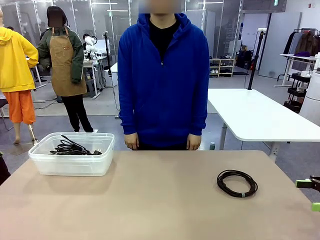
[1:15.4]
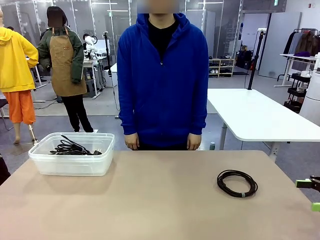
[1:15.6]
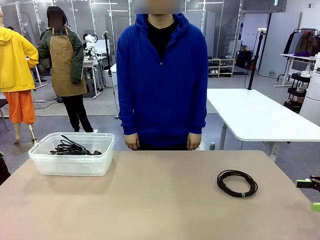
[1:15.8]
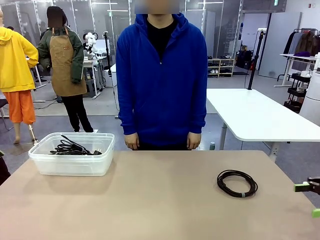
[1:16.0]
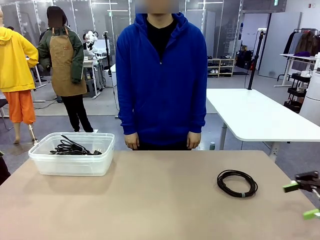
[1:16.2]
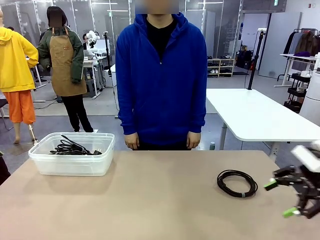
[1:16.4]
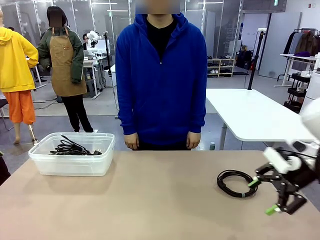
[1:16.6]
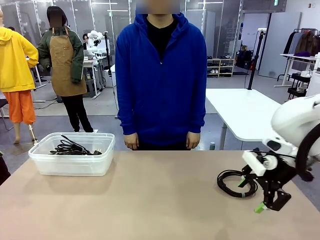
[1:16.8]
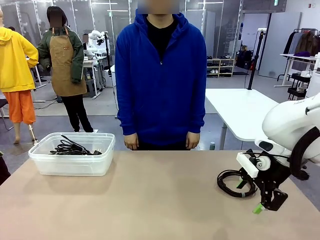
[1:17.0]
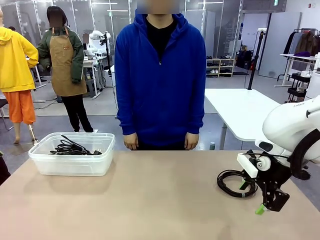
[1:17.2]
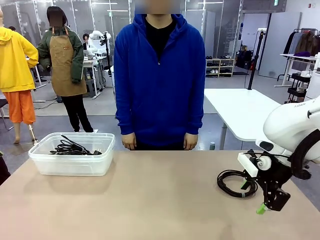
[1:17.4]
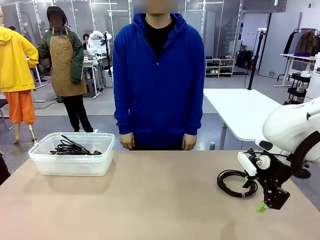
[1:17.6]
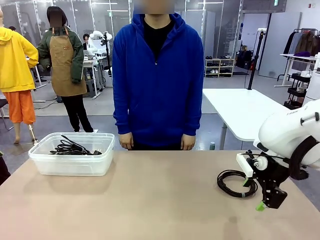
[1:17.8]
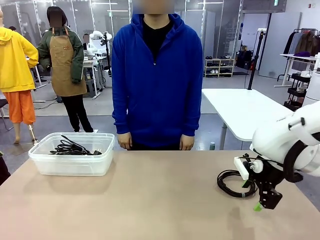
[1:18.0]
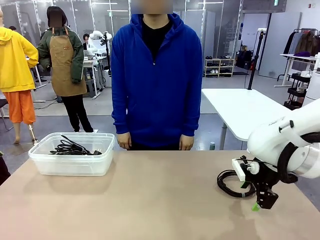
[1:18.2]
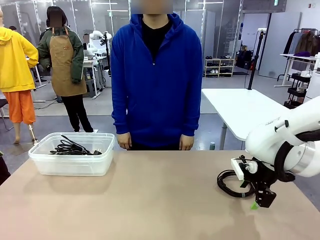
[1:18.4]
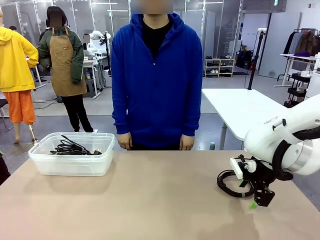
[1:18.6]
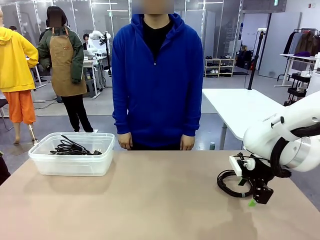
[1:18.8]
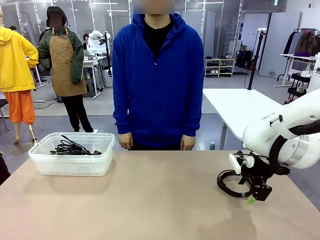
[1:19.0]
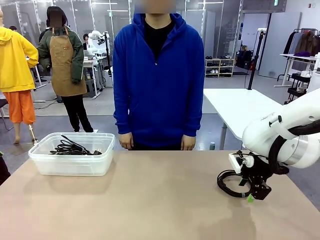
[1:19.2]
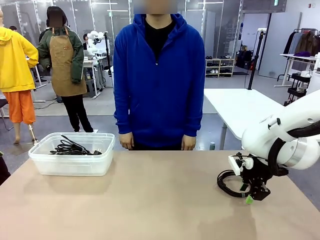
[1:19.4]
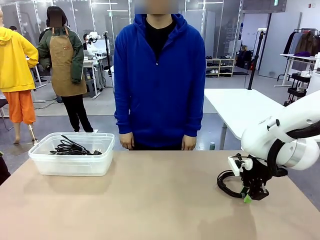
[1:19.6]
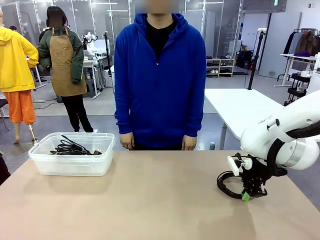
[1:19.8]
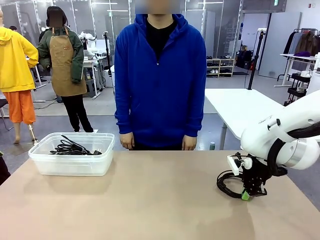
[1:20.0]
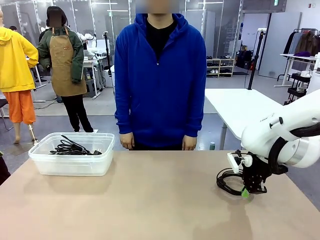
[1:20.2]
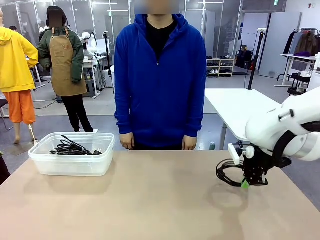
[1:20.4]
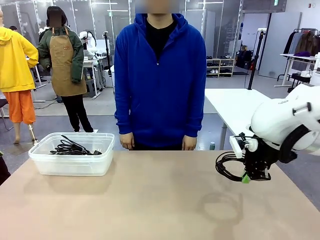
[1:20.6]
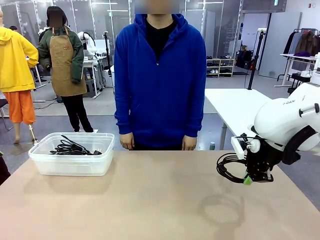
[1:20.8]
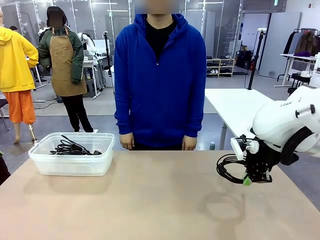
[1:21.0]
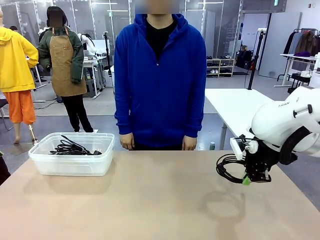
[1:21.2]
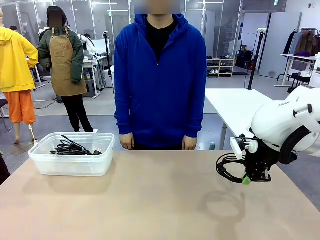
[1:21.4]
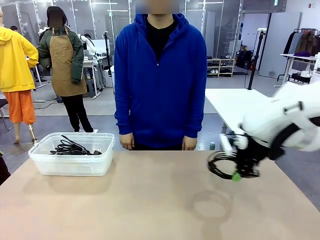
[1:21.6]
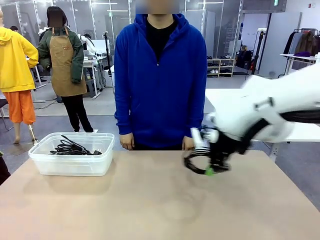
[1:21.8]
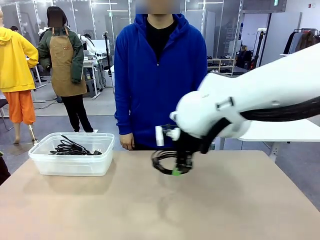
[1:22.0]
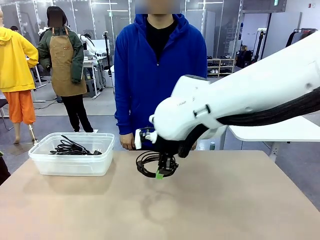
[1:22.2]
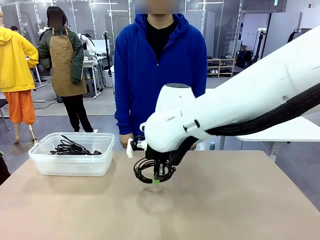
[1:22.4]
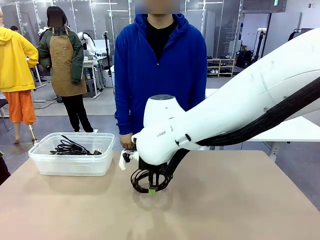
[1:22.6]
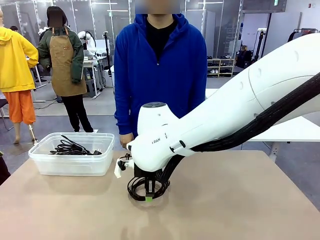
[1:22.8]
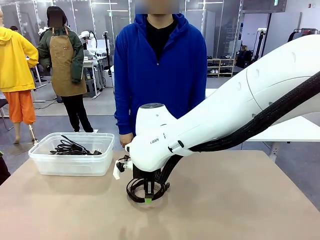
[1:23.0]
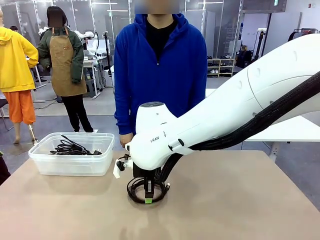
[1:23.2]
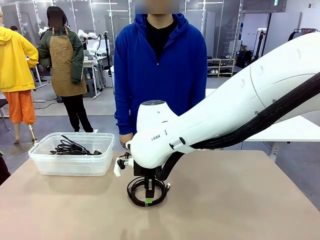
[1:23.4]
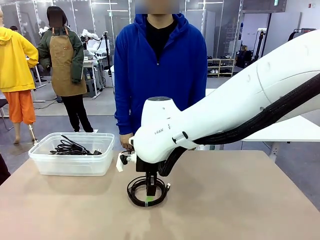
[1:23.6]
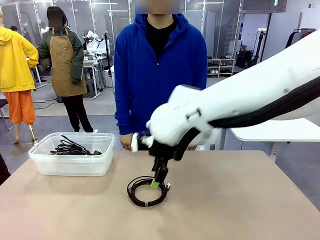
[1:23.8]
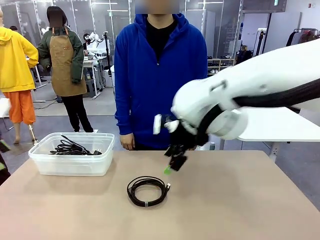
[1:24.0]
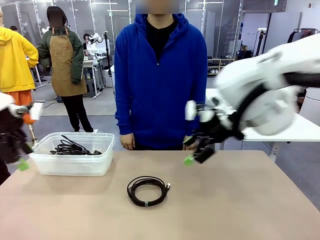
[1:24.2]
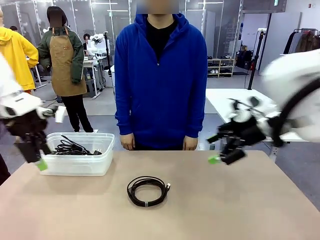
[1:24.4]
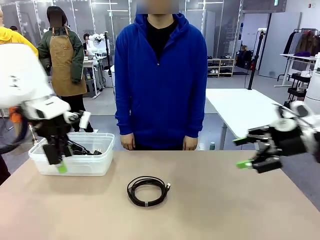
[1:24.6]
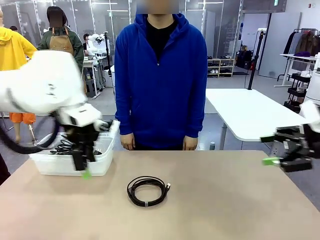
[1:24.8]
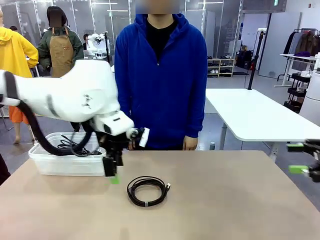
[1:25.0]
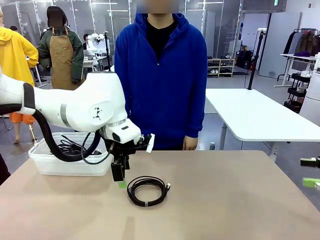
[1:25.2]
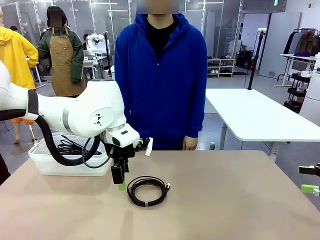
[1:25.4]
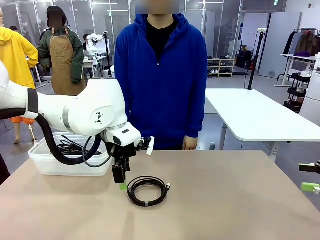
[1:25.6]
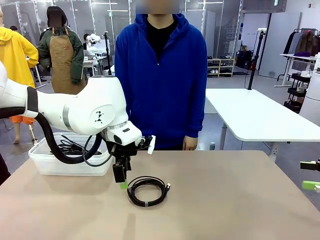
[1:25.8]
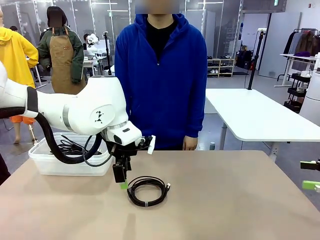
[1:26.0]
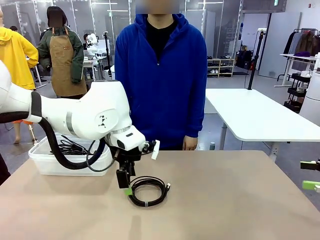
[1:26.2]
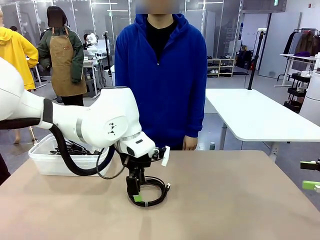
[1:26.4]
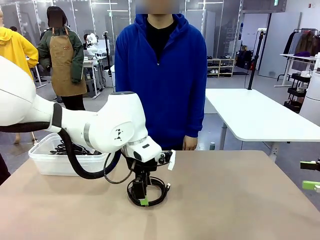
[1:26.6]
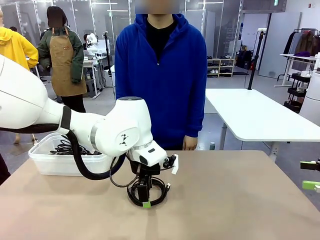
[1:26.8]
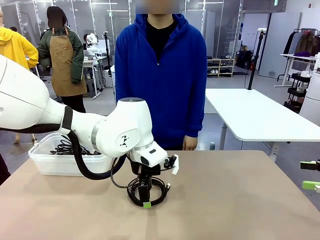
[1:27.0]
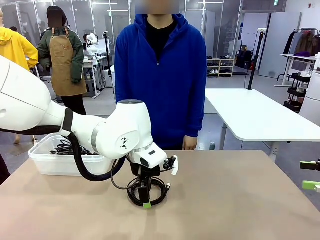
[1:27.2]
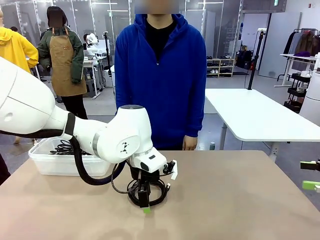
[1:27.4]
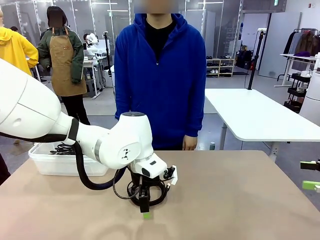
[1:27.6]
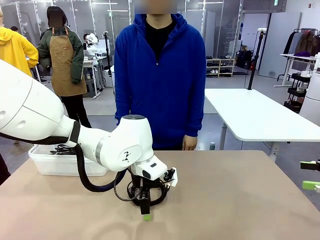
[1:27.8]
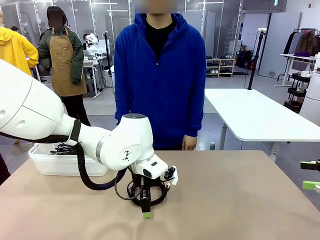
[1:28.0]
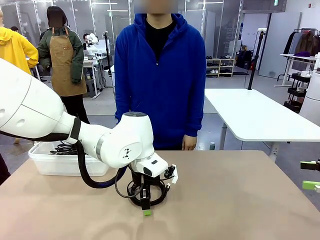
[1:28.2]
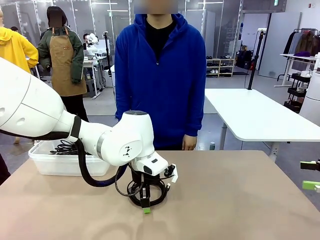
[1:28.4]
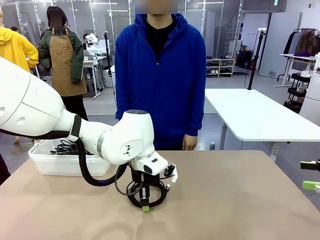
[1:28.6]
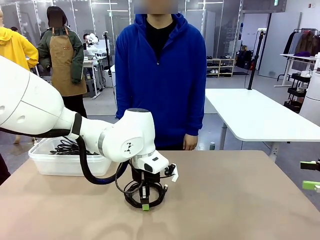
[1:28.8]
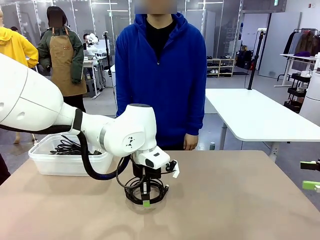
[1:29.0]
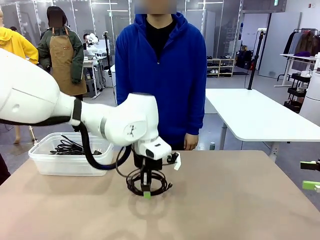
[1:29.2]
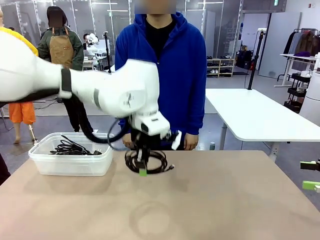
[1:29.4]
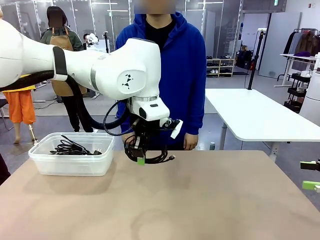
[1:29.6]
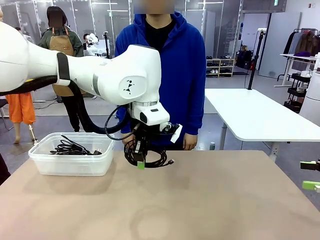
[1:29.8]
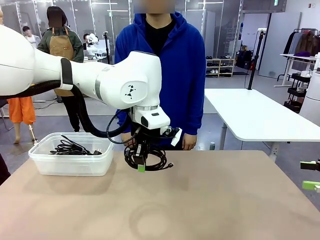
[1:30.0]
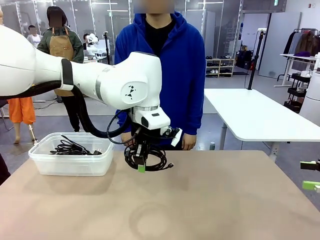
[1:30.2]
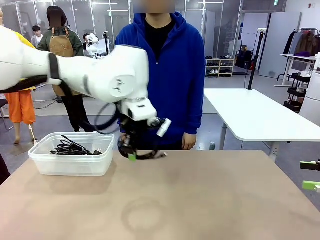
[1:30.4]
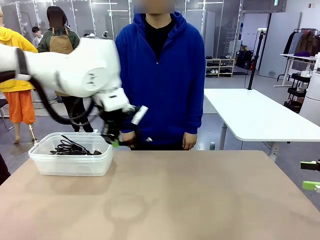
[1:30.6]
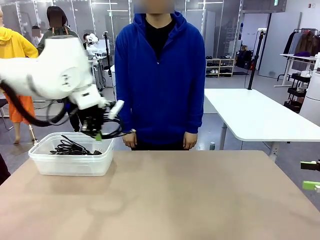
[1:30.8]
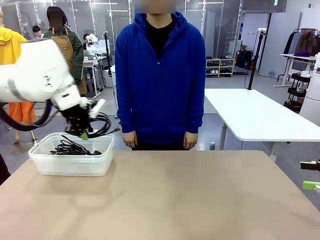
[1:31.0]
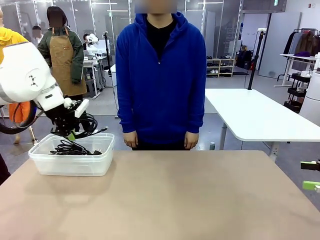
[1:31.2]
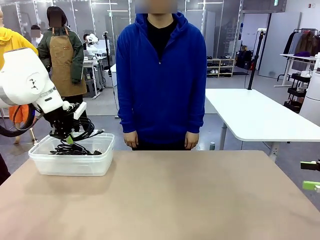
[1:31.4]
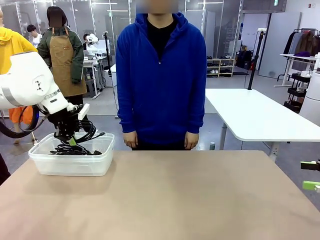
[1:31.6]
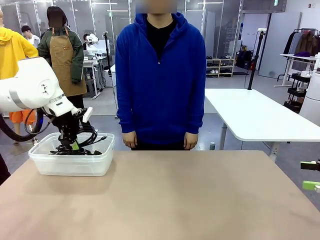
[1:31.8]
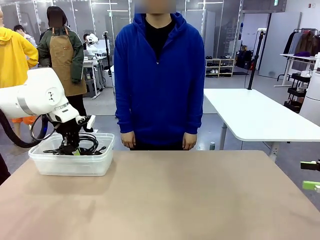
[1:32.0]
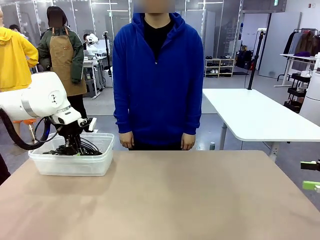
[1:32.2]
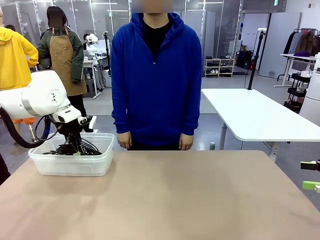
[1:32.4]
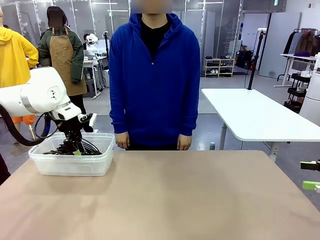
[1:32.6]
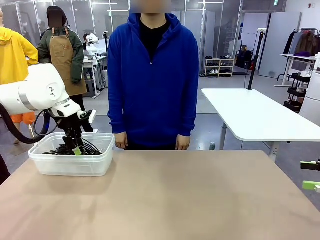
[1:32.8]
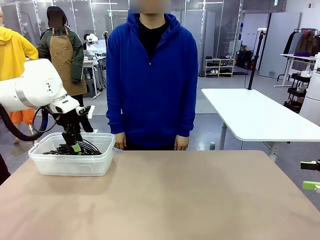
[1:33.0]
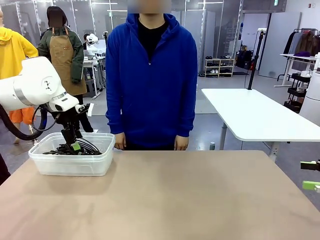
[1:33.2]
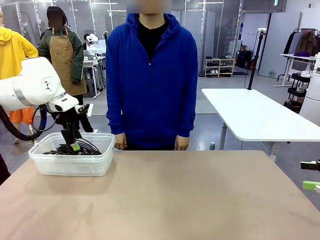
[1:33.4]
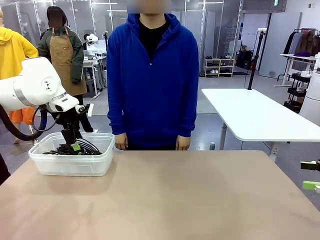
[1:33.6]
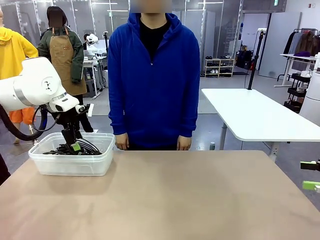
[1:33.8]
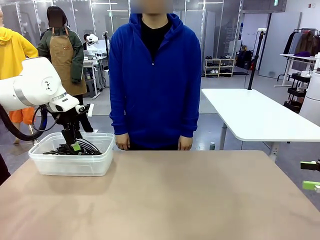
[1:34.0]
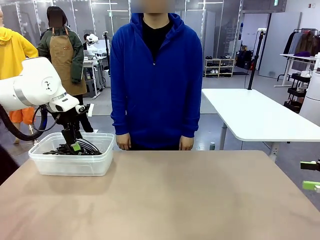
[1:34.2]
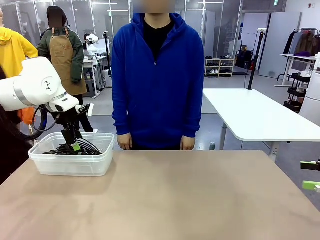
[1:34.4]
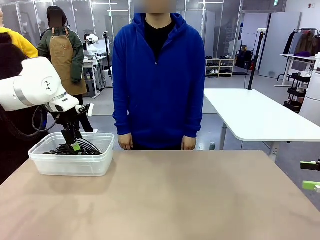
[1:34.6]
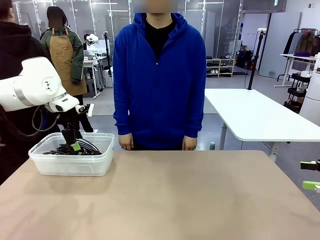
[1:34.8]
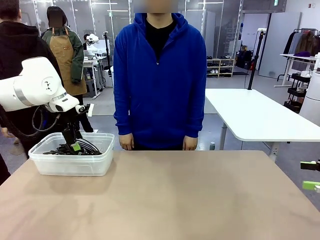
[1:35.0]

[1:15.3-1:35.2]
Task: Organize and store the cables.
Robot: Place the USB Extension Cable into the Organizing box.
